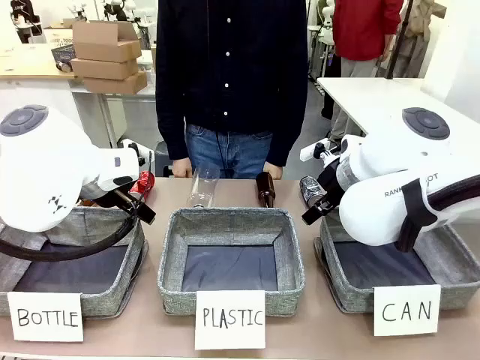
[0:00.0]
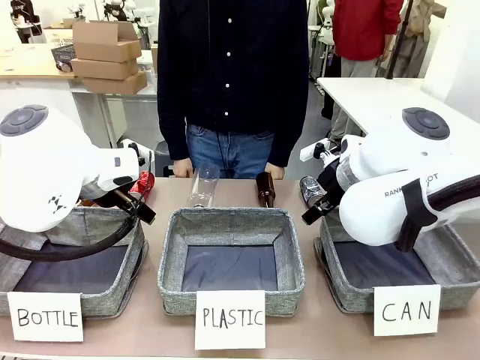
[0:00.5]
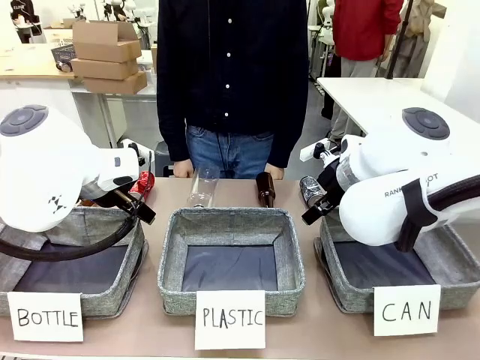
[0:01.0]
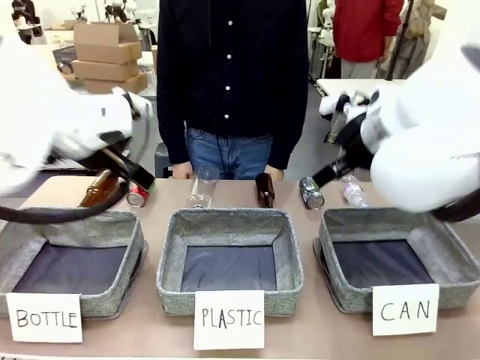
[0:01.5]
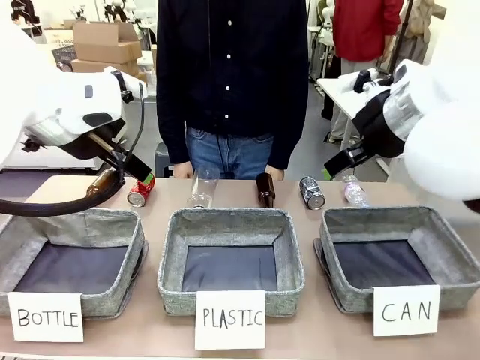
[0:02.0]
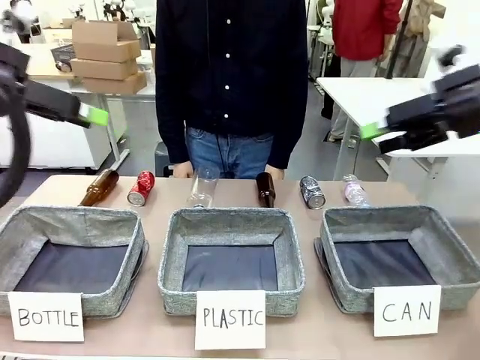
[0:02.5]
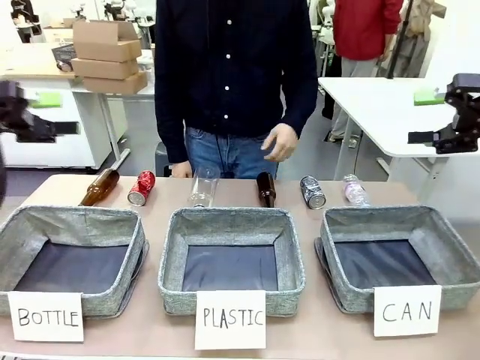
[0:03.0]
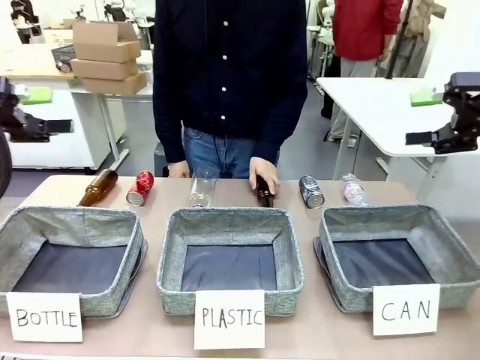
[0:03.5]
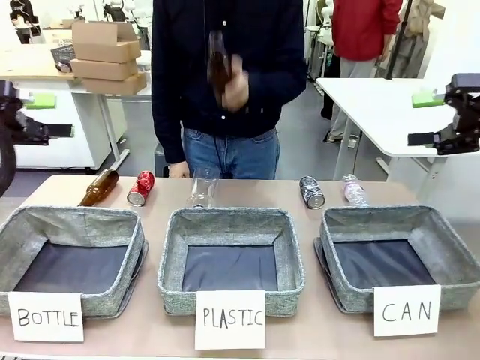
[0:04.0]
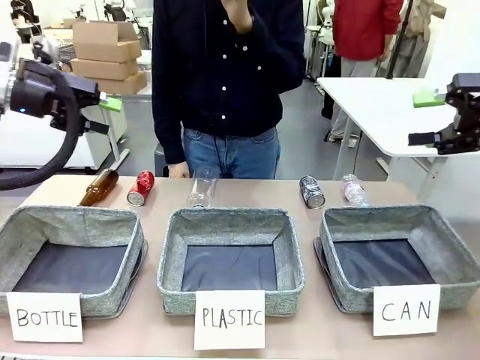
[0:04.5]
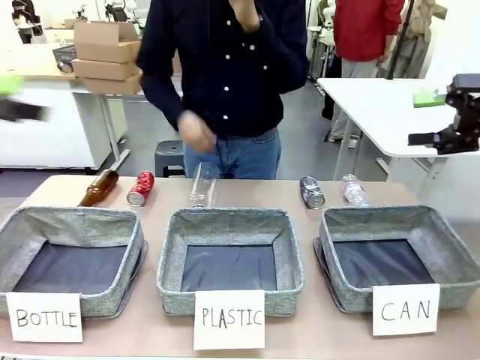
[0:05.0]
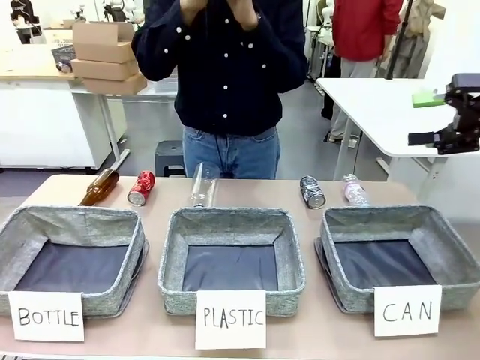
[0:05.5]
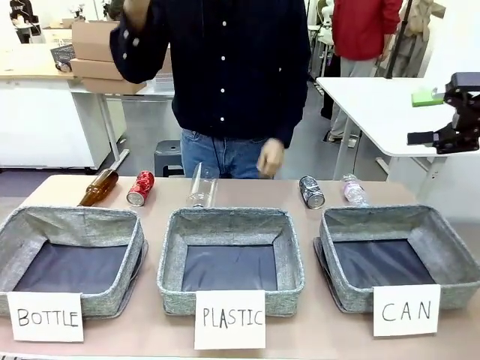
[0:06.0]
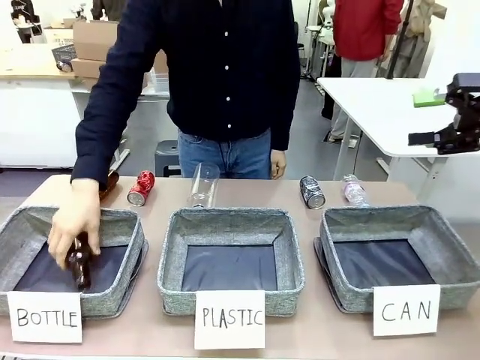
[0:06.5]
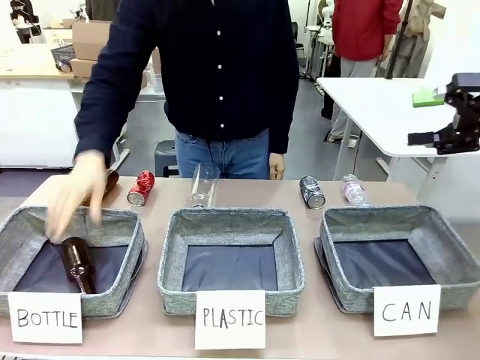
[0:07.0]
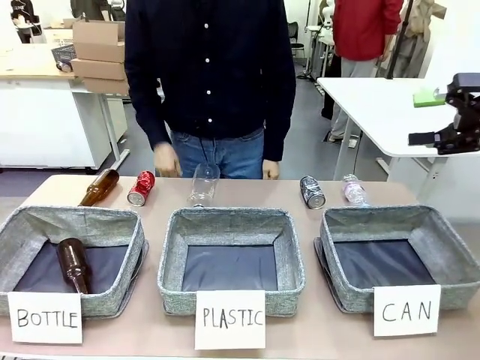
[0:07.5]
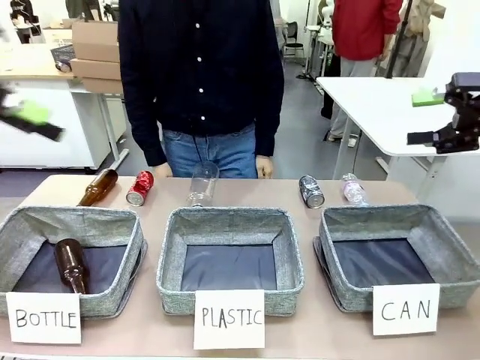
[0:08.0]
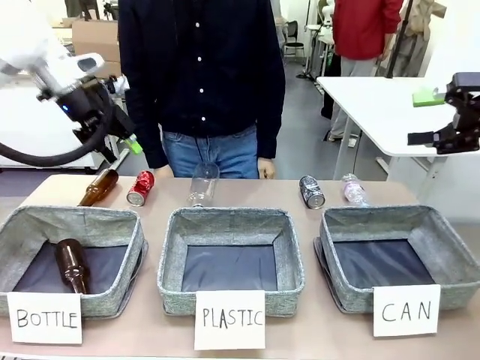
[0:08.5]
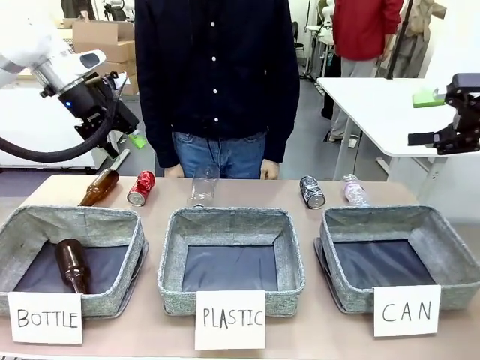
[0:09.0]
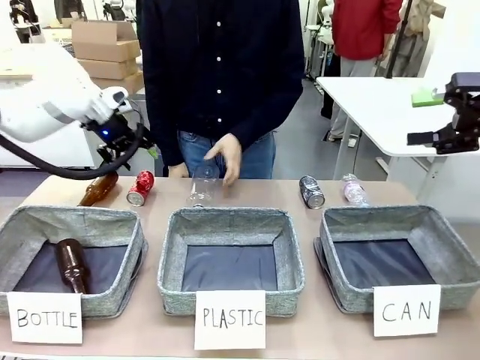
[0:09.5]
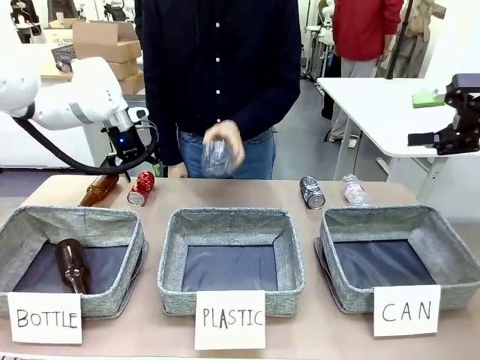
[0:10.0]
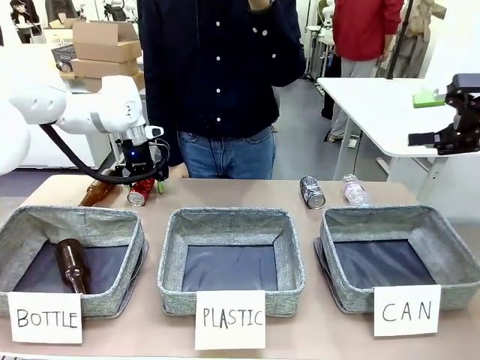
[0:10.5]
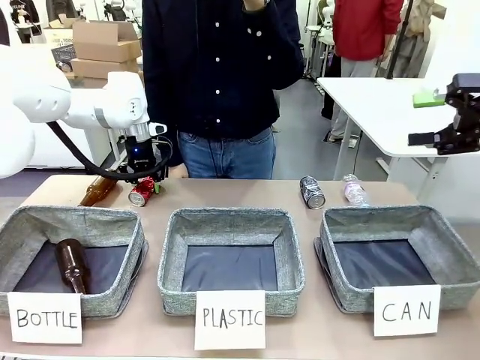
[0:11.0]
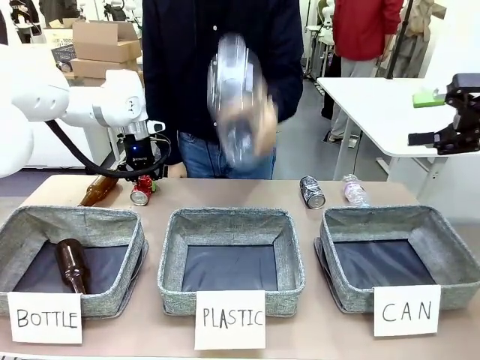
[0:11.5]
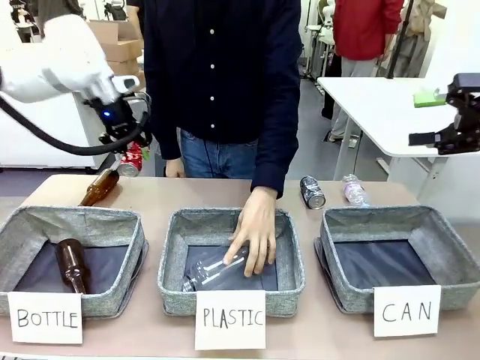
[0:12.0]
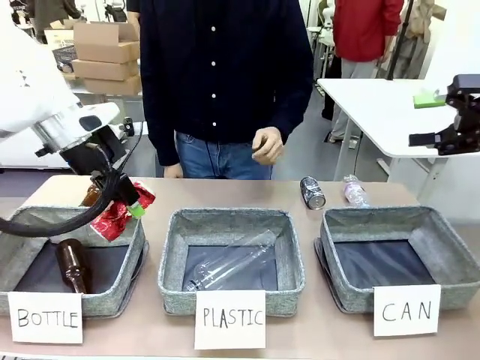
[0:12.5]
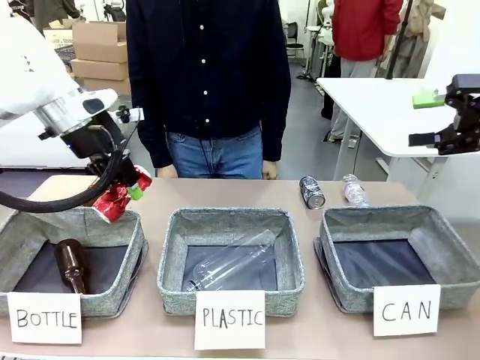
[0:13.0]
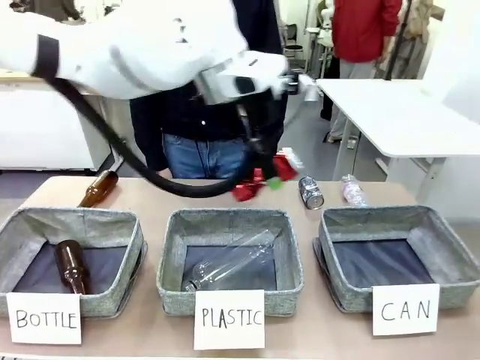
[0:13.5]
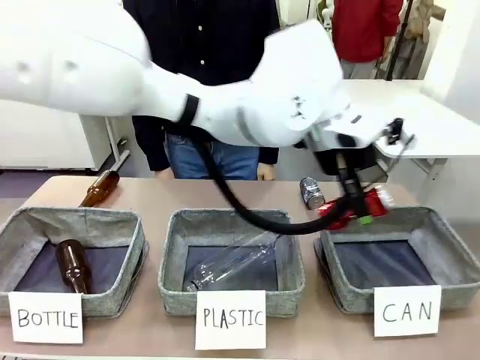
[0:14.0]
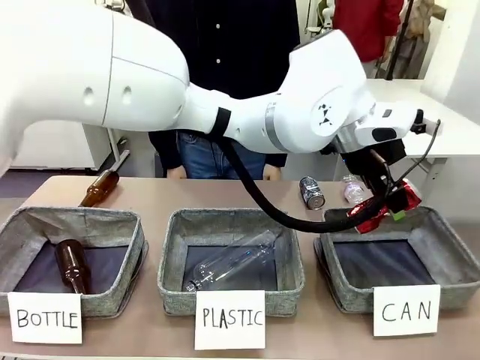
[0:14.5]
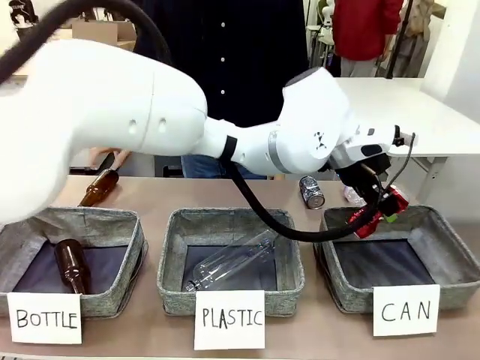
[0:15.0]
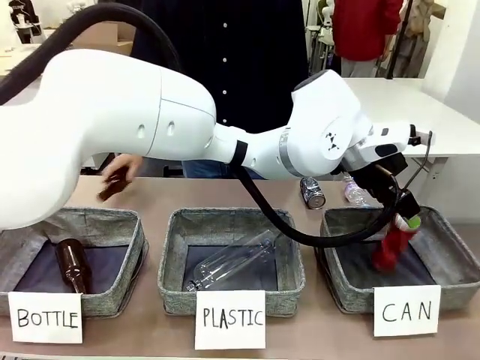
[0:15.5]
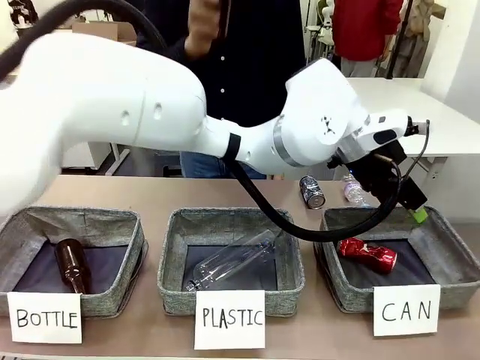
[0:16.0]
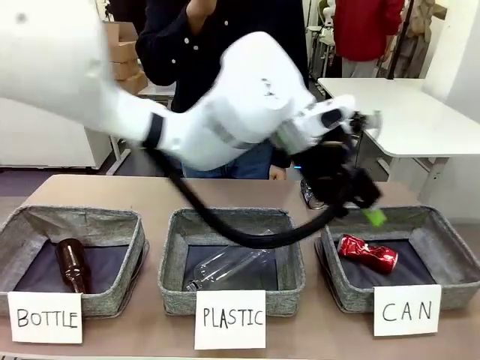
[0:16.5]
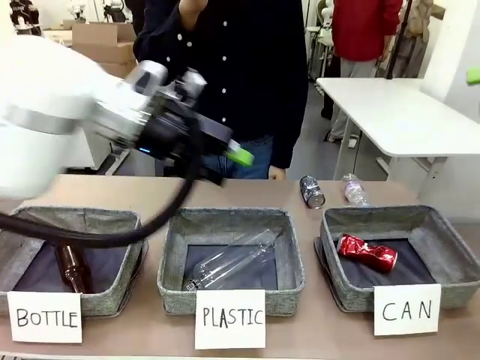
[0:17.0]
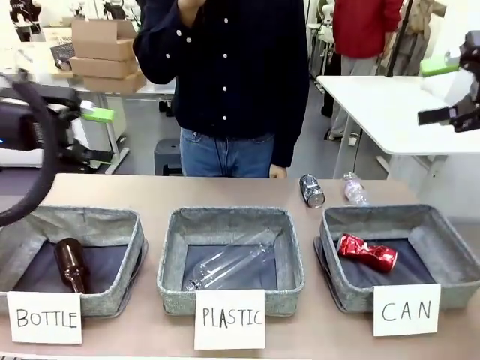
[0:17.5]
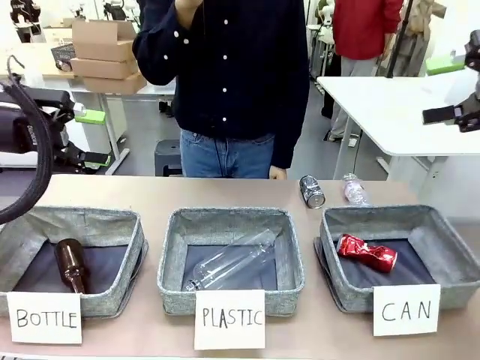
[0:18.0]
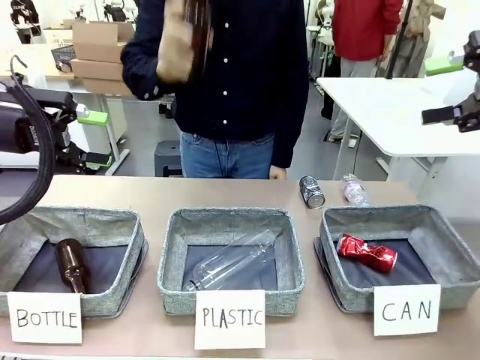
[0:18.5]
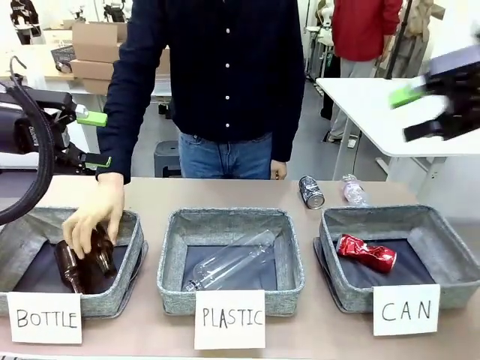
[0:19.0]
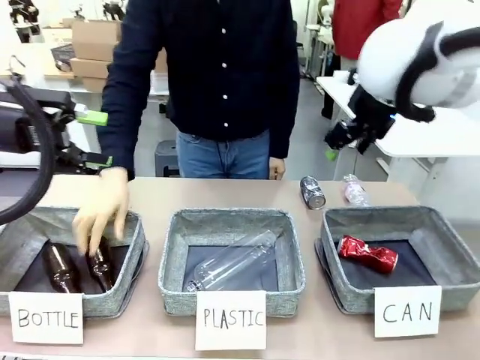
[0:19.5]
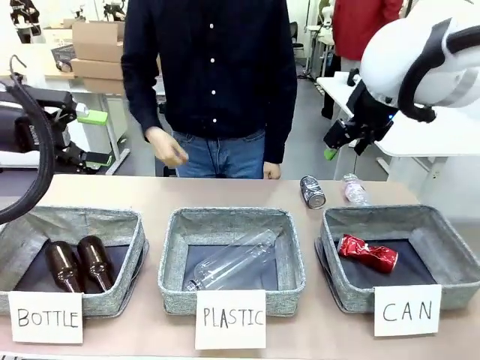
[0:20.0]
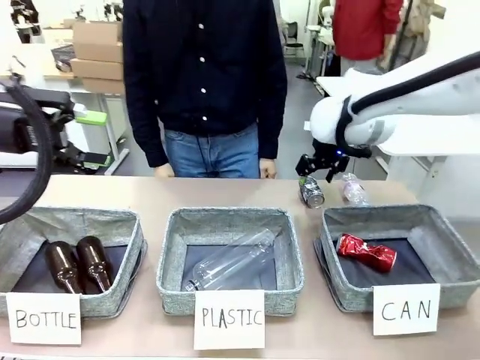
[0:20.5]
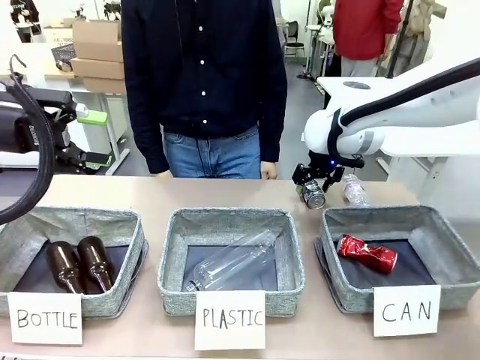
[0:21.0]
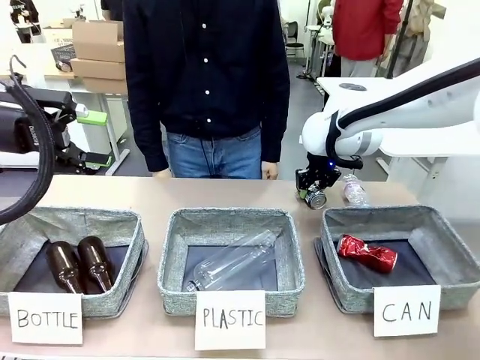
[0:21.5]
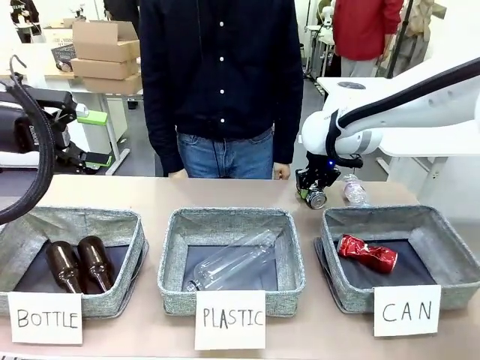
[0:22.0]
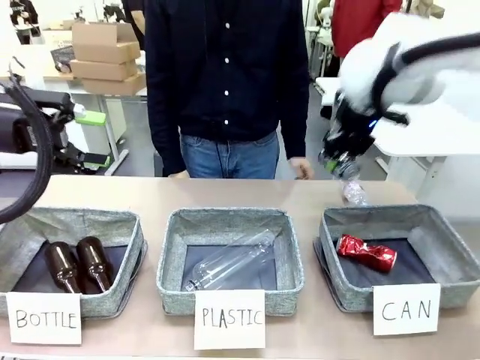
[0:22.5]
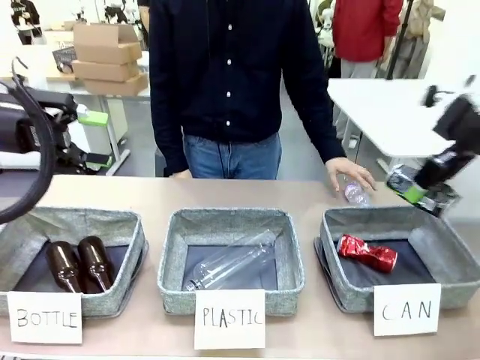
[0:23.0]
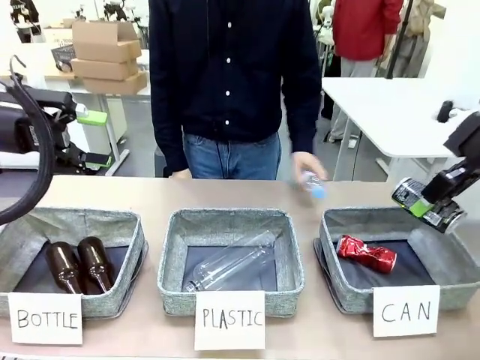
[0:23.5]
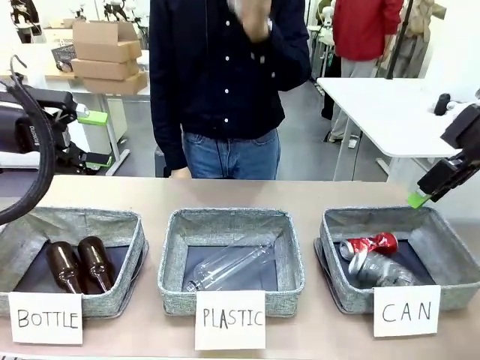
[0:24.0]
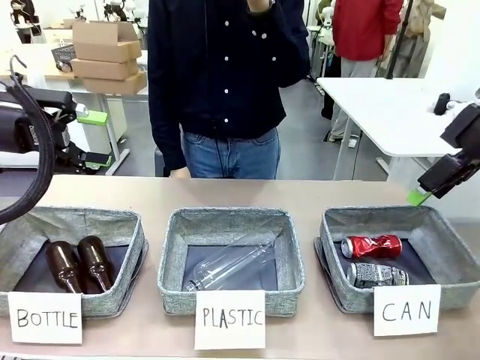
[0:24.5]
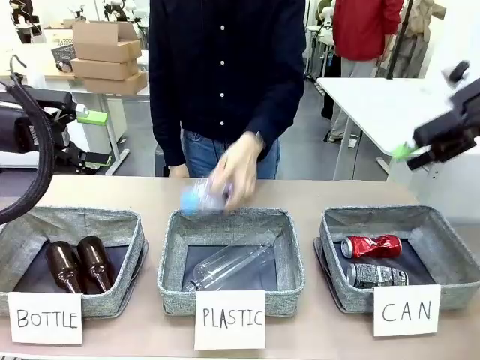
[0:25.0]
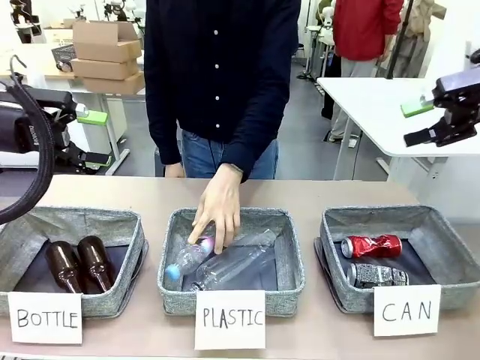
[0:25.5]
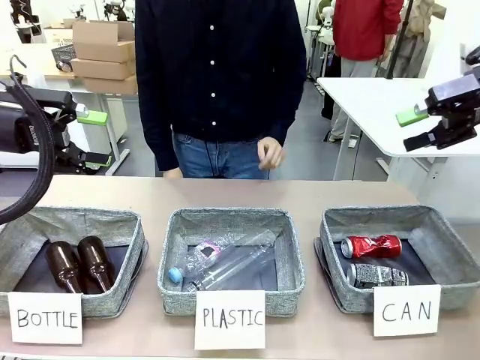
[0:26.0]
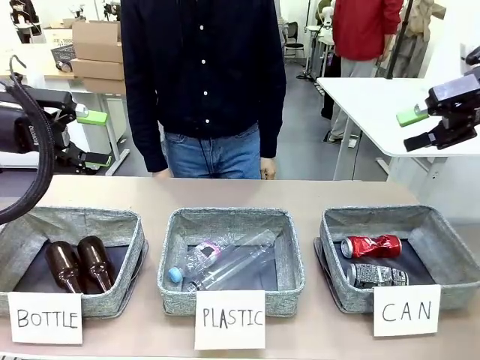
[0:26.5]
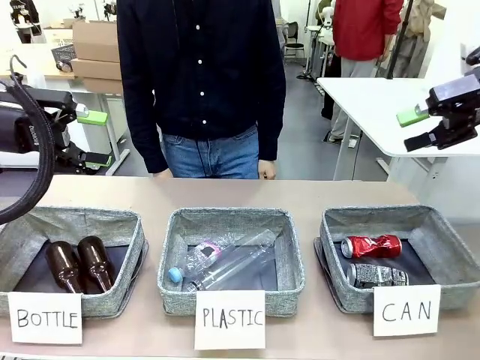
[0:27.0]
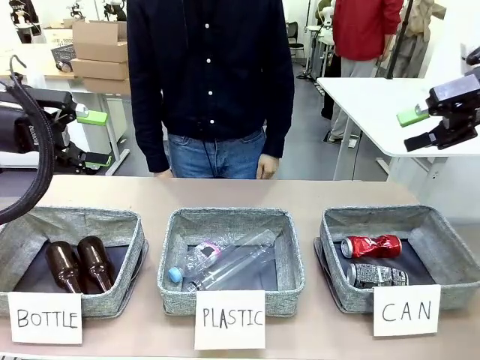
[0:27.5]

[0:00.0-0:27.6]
Task: Sort the can waste into the basket.
Robot: Pick up the can waste from the table and place it in the right Fabric basket.
Person: The human picks up one piece of trash that is not a can and places the trash into the appropriate organizing basket.
